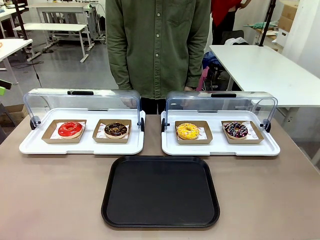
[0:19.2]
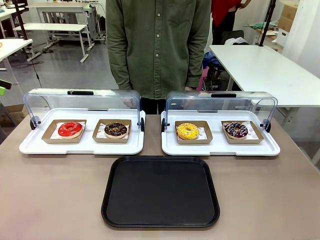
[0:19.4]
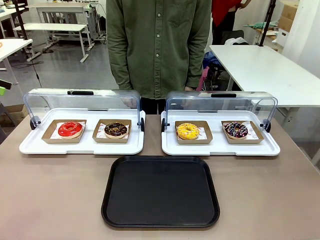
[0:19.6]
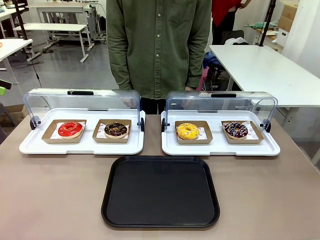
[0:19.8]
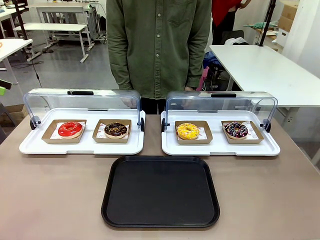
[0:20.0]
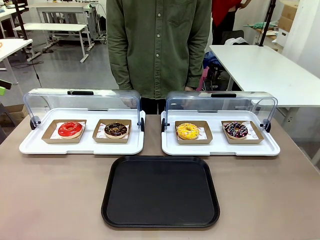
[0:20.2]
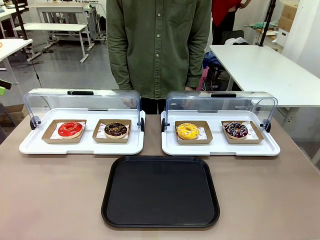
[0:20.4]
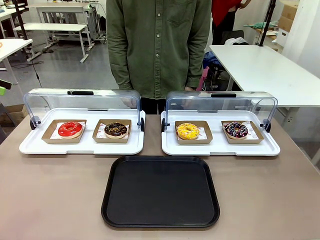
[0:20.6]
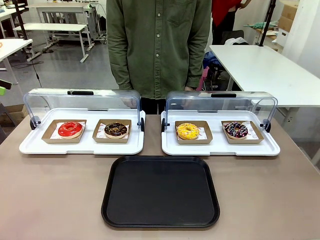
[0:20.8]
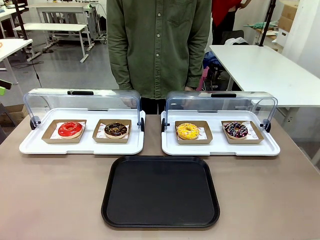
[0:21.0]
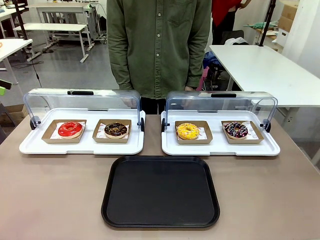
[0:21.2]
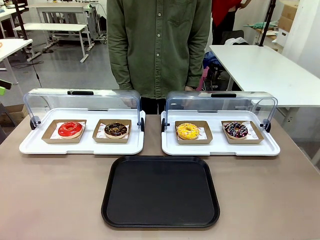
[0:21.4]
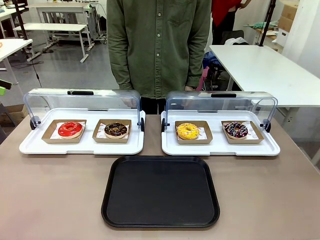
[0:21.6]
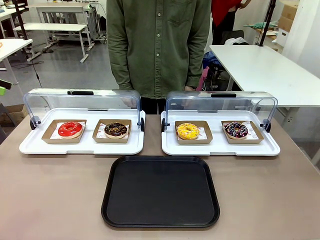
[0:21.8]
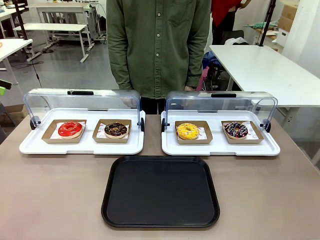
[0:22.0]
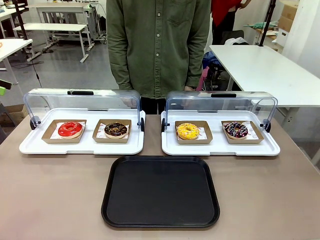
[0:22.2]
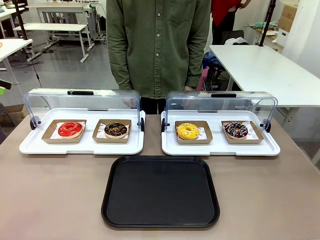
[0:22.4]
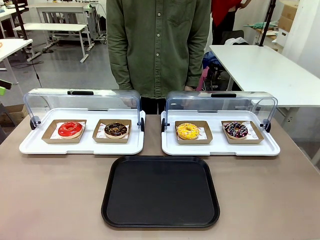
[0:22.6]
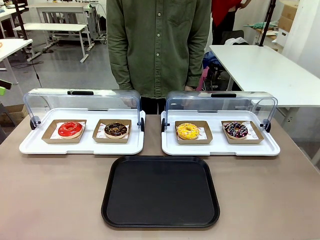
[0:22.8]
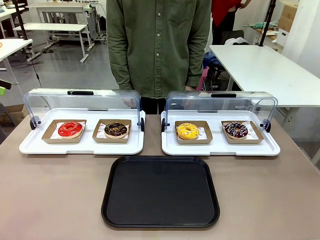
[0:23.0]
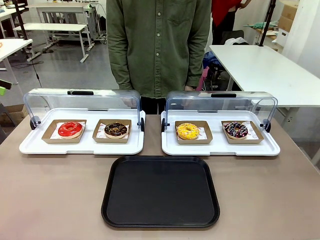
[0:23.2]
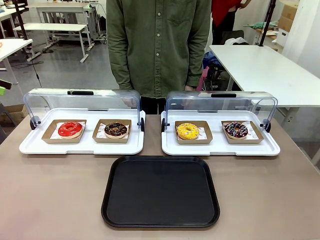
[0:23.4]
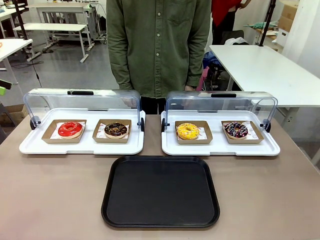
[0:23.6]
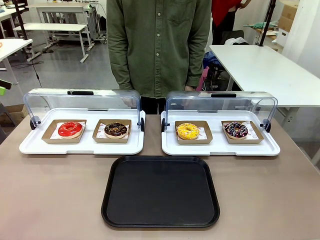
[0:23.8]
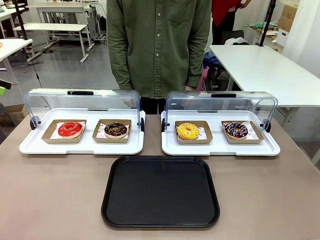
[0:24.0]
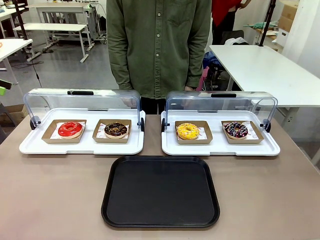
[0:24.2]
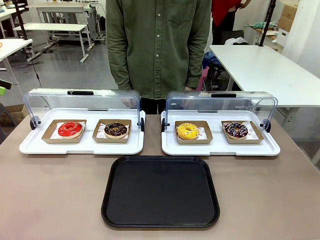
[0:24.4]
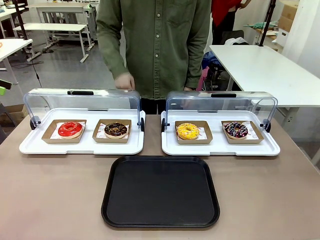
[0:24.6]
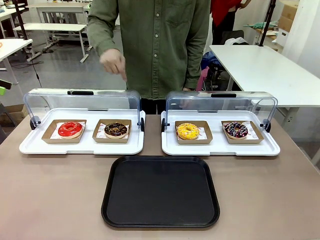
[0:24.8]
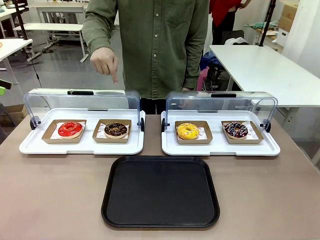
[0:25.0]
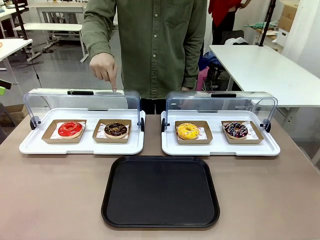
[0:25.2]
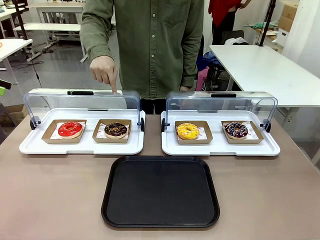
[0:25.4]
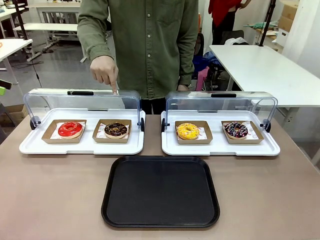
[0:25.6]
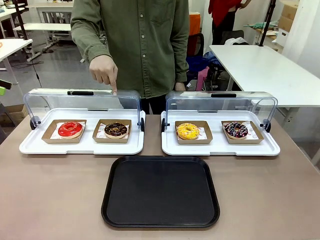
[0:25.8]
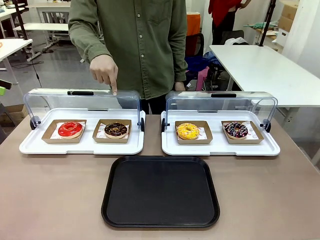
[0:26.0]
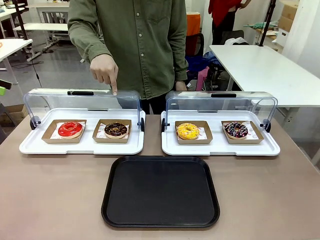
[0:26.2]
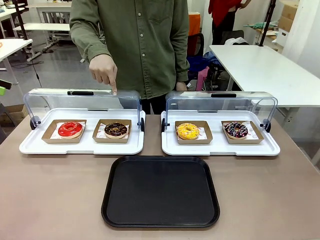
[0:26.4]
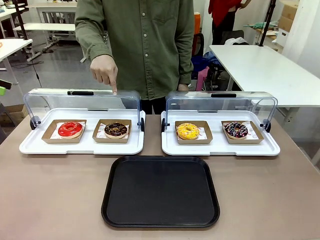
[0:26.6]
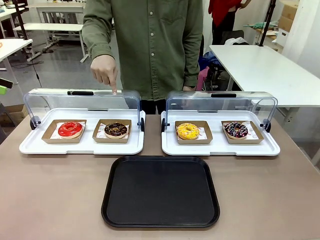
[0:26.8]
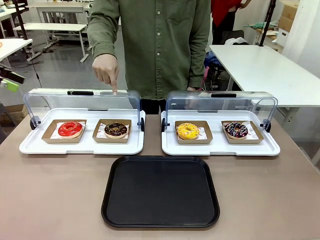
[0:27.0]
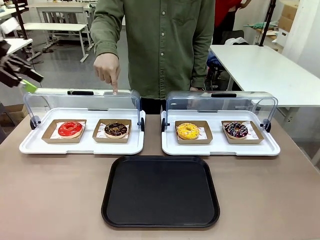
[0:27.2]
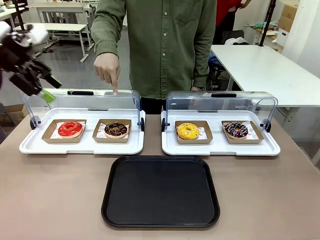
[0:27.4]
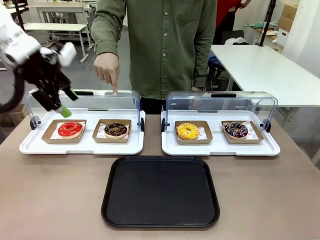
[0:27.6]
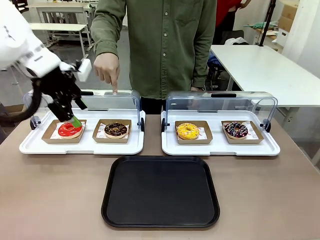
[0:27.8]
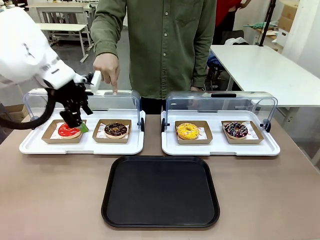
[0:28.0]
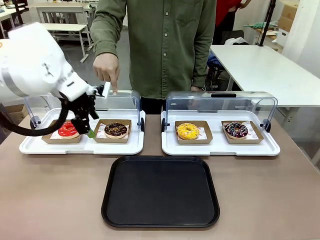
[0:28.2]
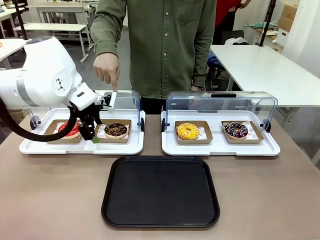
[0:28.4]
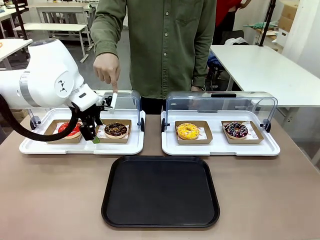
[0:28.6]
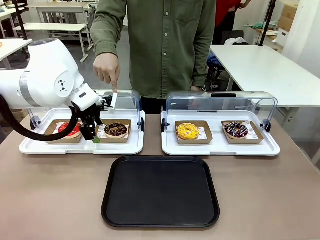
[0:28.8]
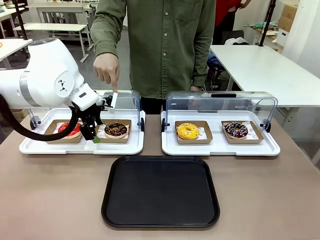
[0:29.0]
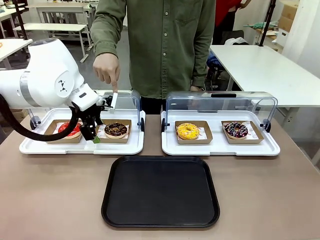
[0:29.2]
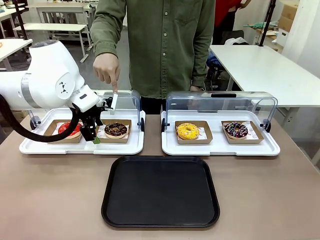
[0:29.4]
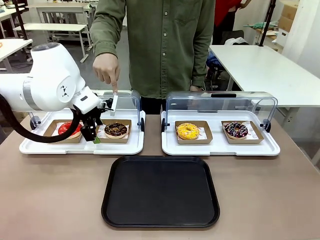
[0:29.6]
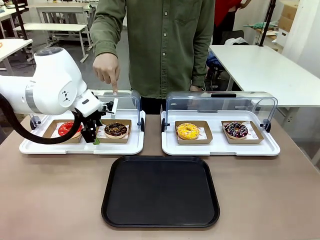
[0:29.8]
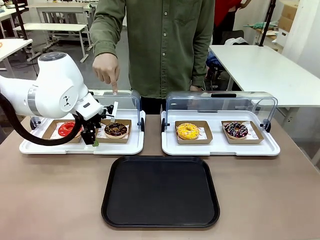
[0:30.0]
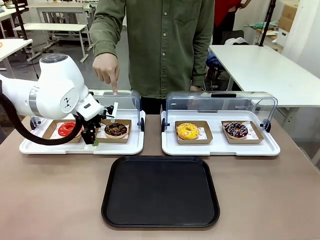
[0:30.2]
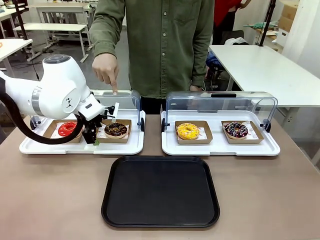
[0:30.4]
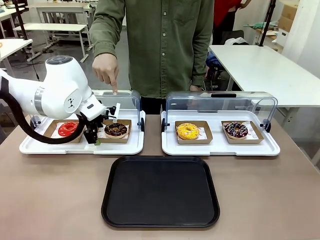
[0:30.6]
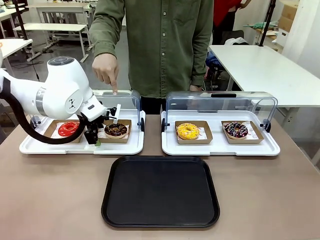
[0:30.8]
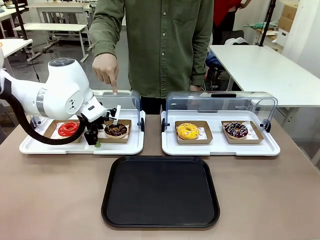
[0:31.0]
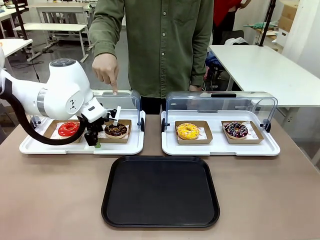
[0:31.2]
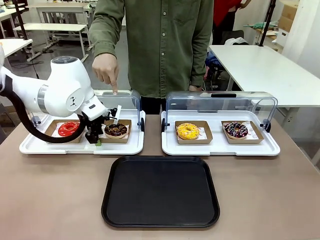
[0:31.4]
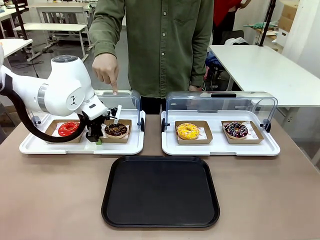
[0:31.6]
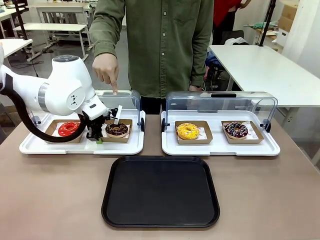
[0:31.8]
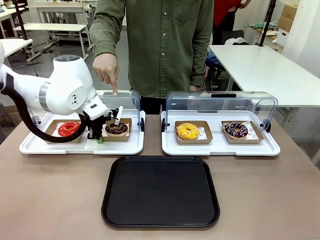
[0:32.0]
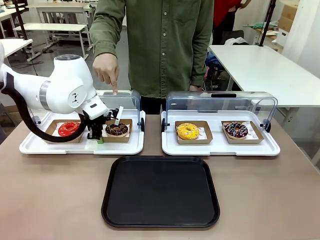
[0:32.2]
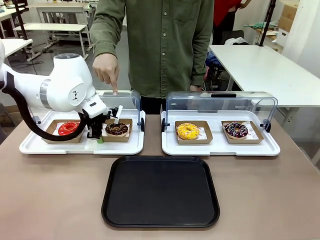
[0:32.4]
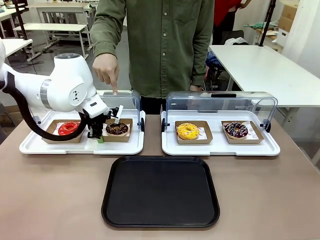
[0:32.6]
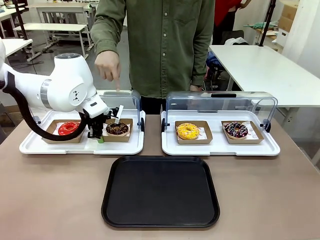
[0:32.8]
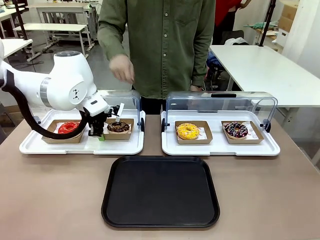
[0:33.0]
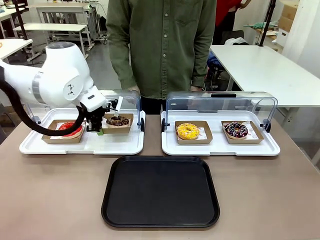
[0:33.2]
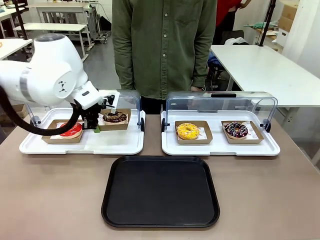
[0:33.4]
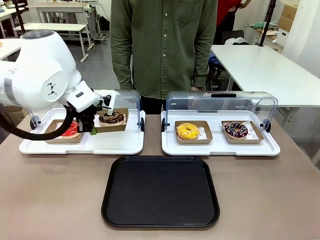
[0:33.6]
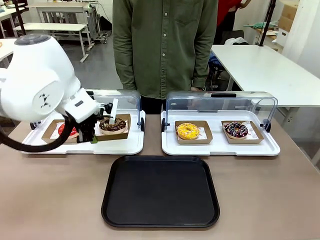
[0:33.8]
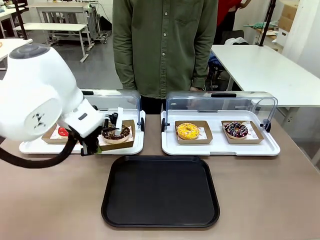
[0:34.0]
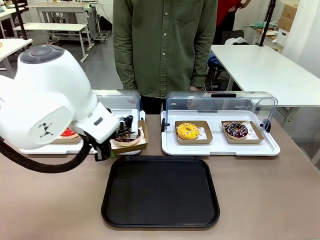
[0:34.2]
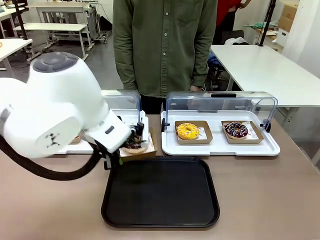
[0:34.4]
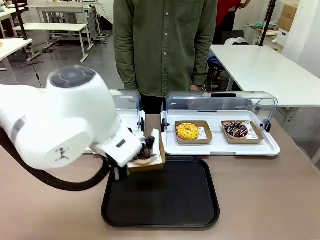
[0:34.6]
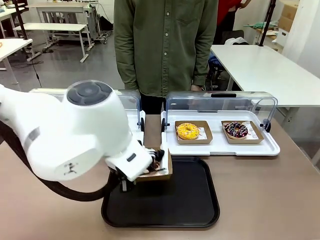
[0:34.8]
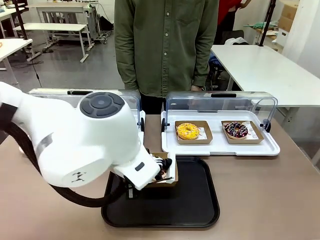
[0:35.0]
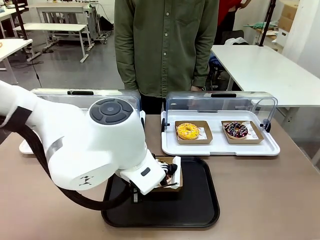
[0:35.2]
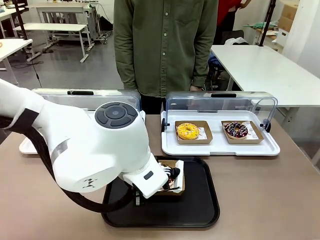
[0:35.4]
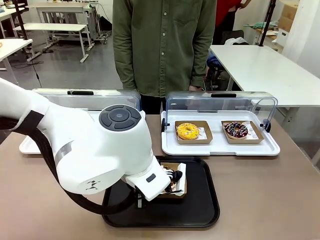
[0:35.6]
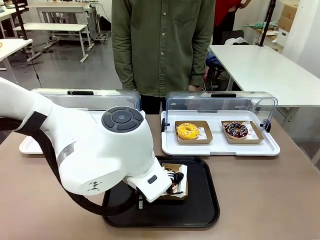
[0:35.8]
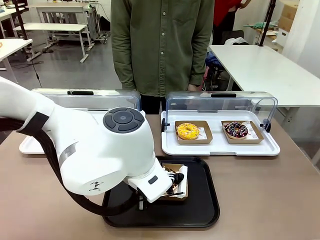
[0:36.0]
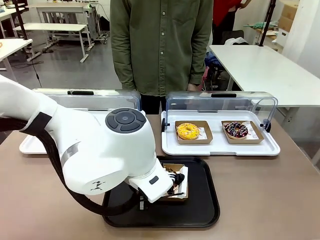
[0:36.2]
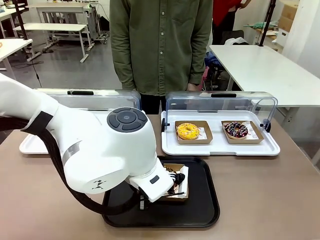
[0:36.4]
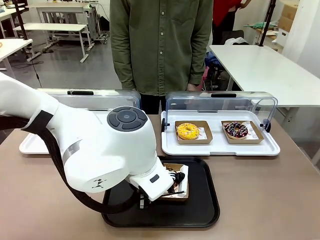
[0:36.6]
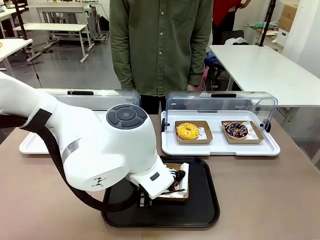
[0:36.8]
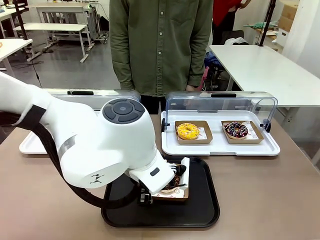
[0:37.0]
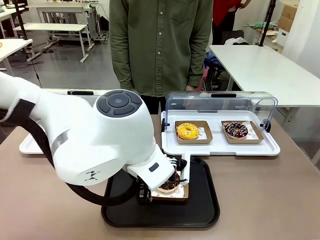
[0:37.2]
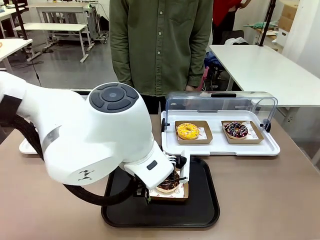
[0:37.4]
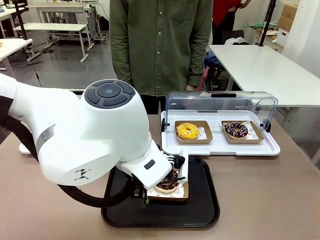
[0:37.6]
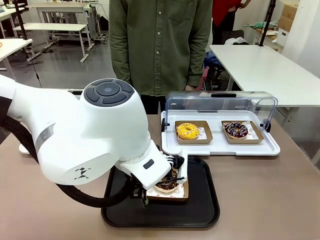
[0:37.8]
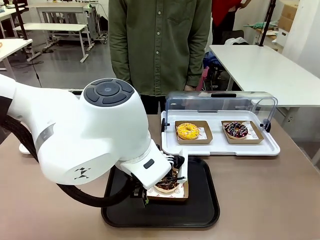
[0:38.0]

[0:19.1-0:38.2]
Task: Move the second donut from the left to the tray.
Robot: Pick up the Paper togo box containing the Donut indicated by the person and place it on the Handle tray.
